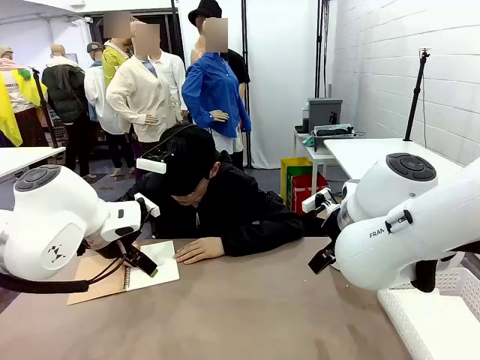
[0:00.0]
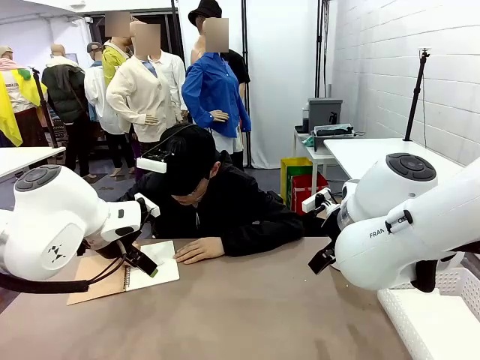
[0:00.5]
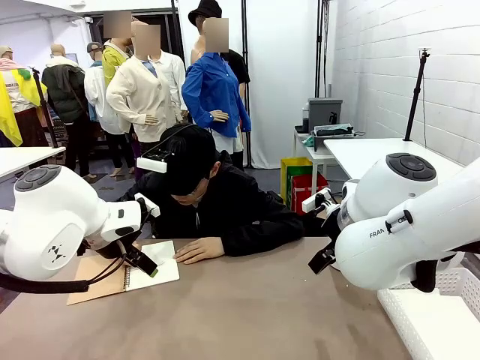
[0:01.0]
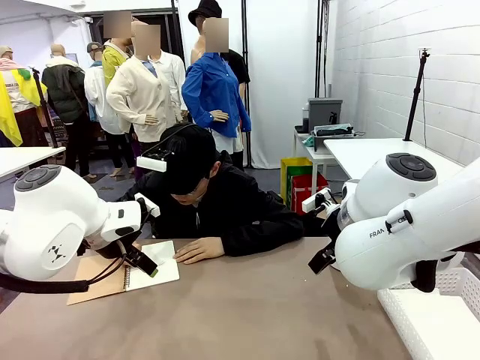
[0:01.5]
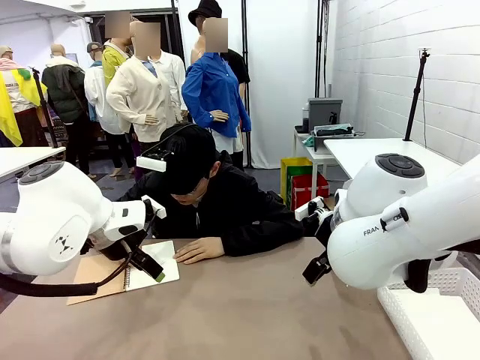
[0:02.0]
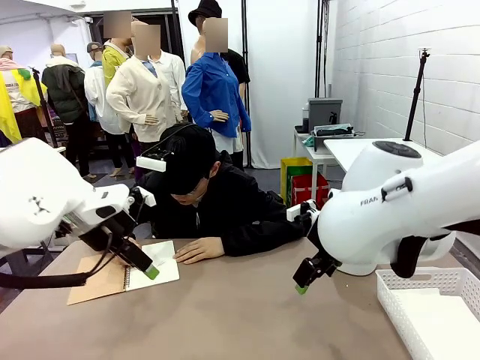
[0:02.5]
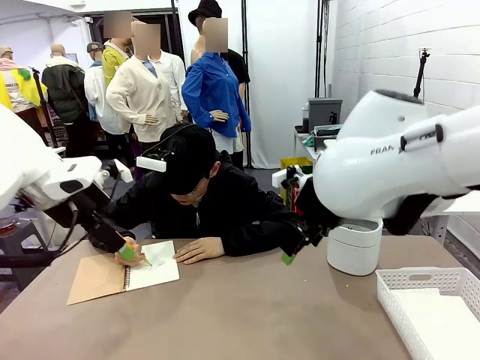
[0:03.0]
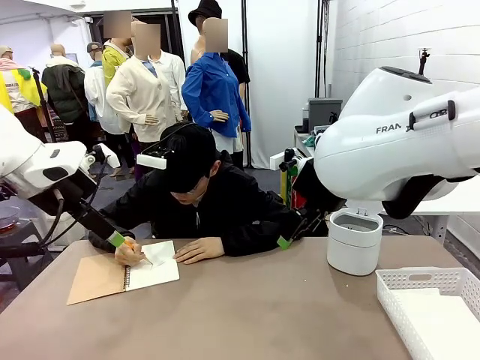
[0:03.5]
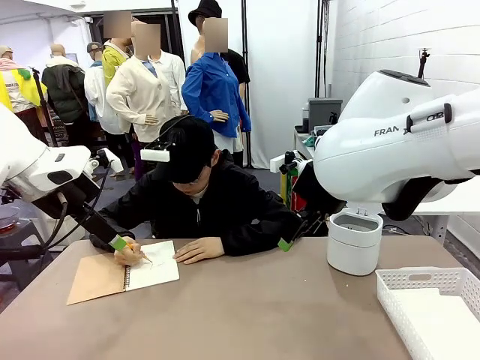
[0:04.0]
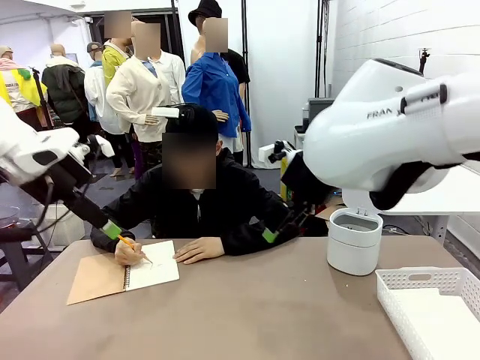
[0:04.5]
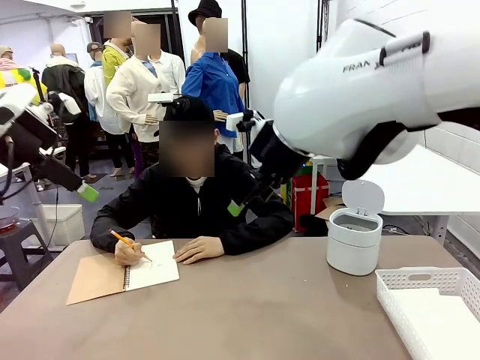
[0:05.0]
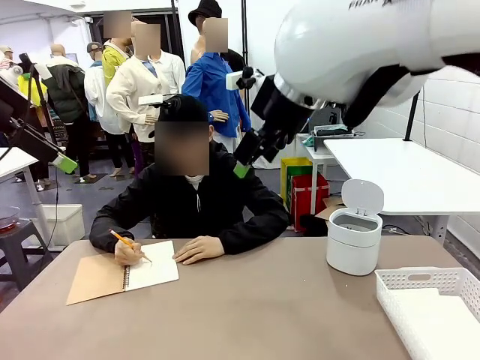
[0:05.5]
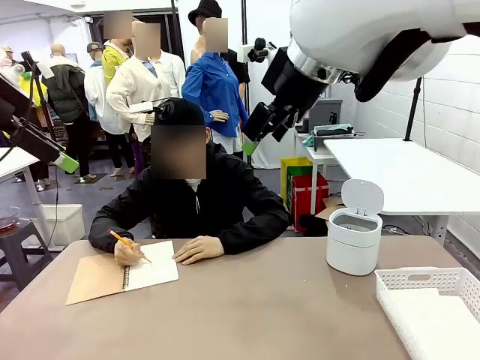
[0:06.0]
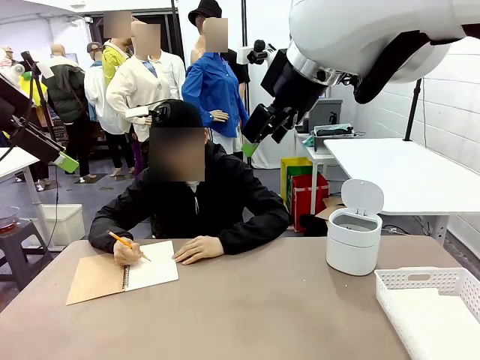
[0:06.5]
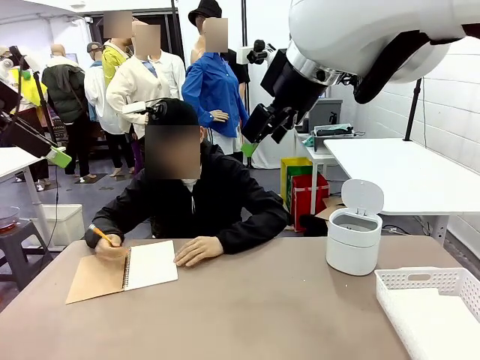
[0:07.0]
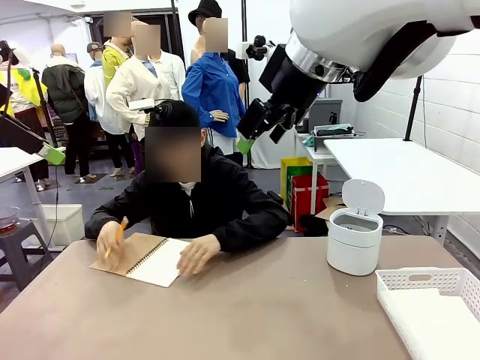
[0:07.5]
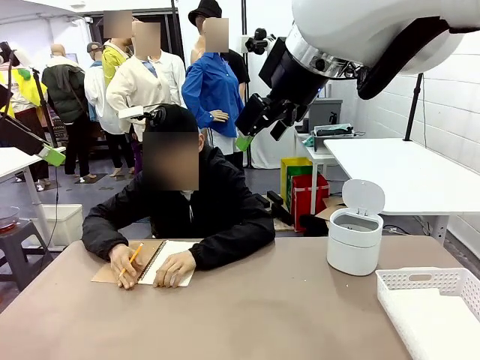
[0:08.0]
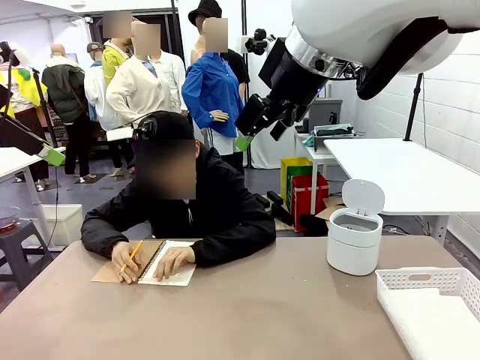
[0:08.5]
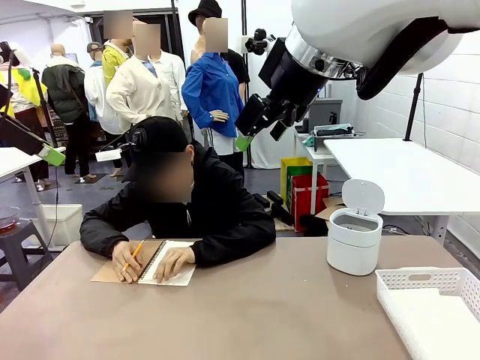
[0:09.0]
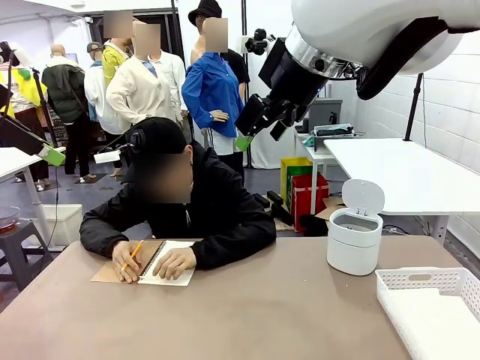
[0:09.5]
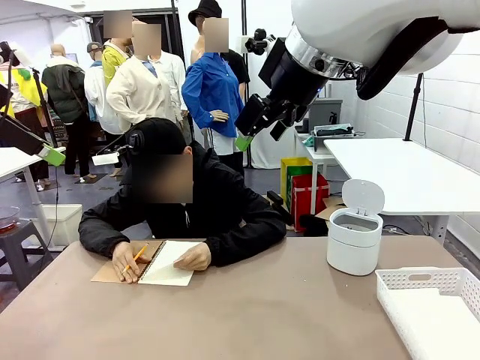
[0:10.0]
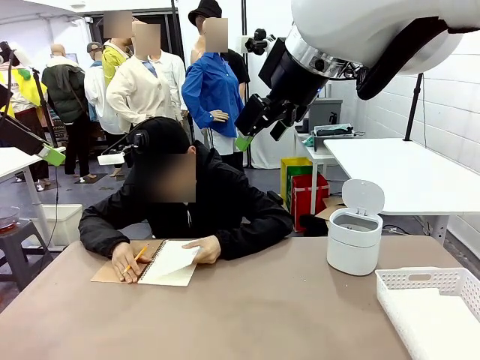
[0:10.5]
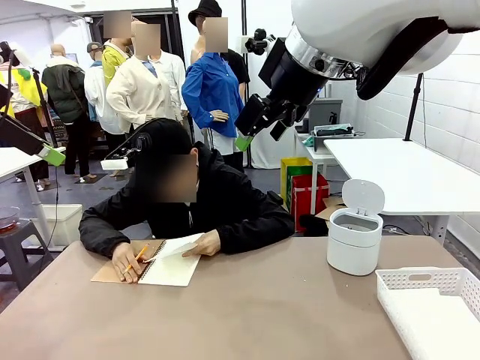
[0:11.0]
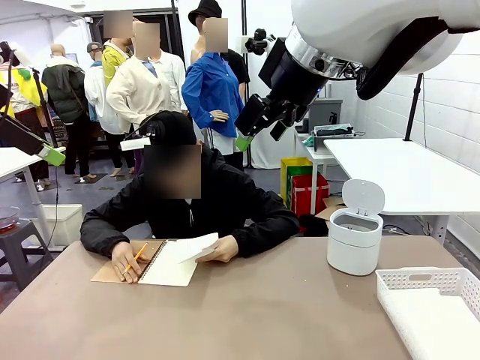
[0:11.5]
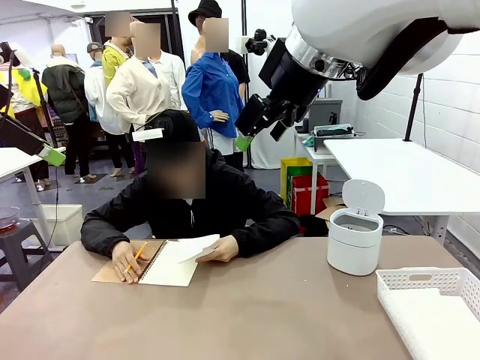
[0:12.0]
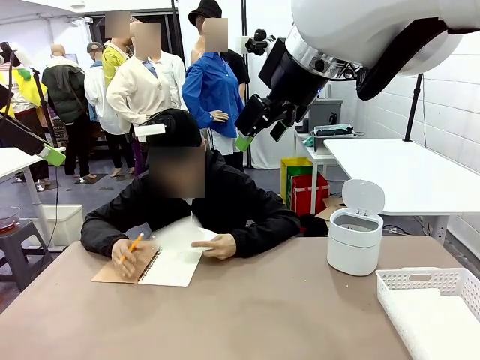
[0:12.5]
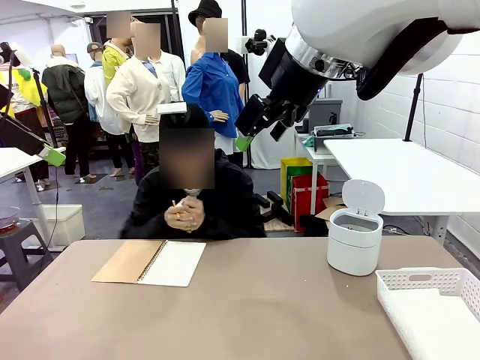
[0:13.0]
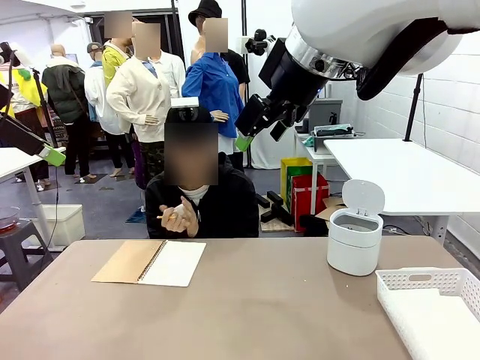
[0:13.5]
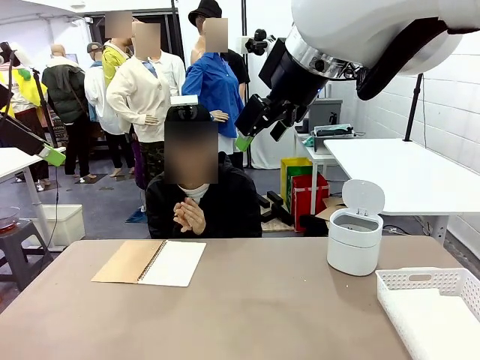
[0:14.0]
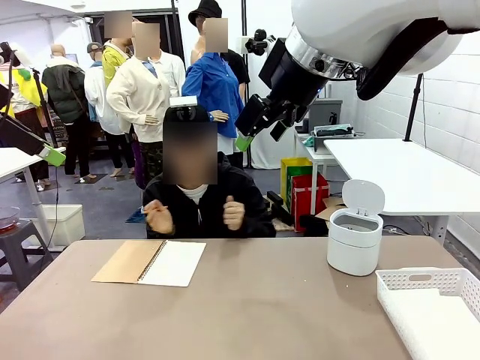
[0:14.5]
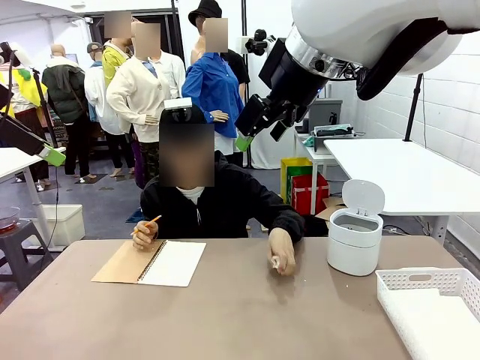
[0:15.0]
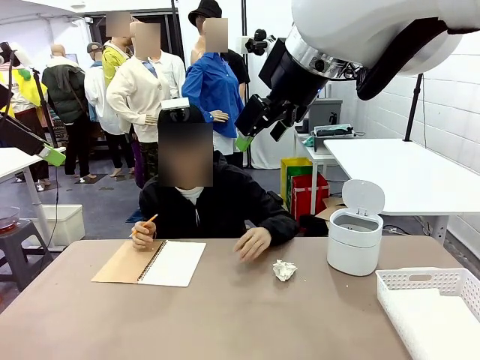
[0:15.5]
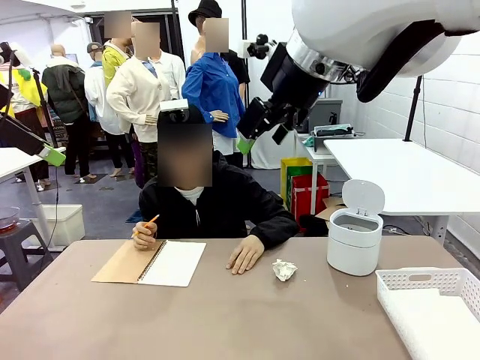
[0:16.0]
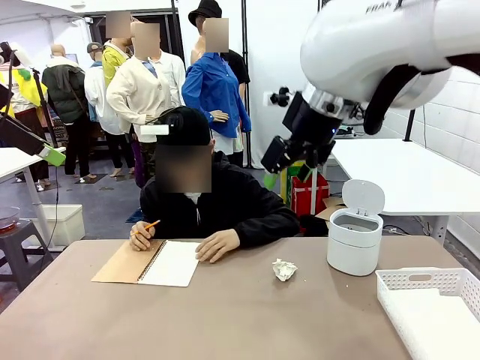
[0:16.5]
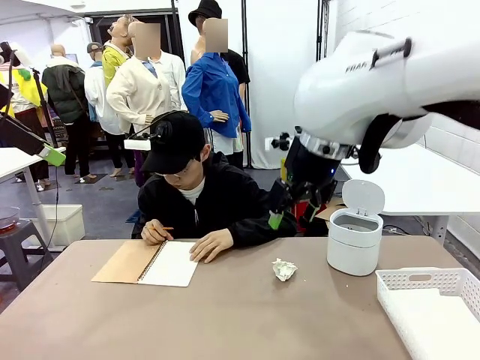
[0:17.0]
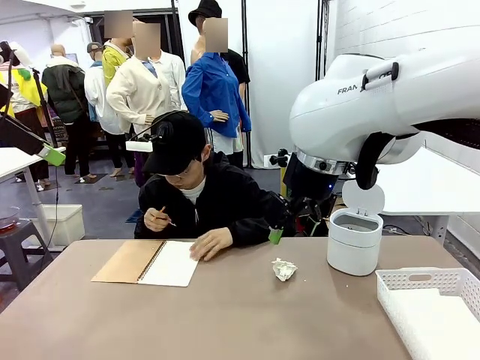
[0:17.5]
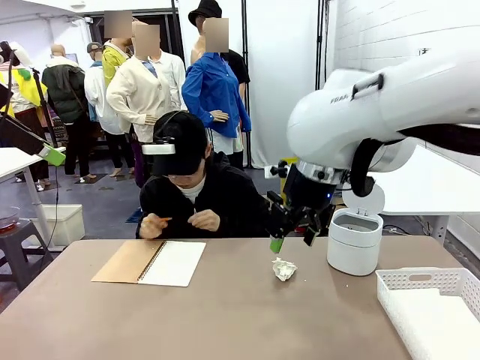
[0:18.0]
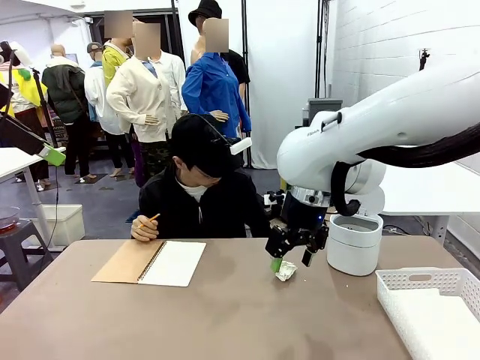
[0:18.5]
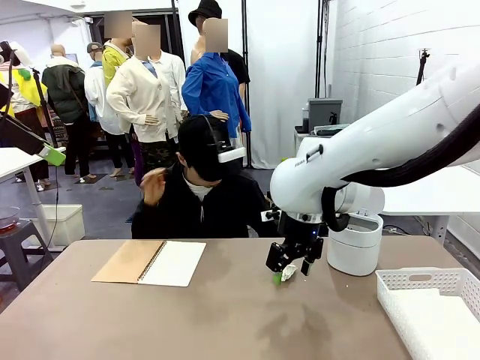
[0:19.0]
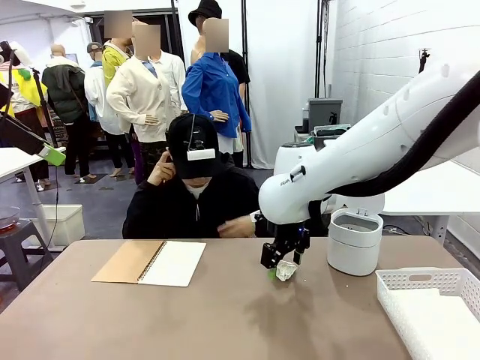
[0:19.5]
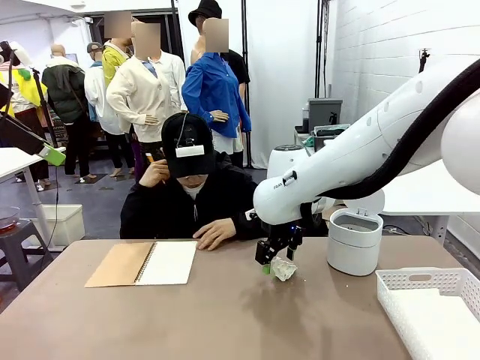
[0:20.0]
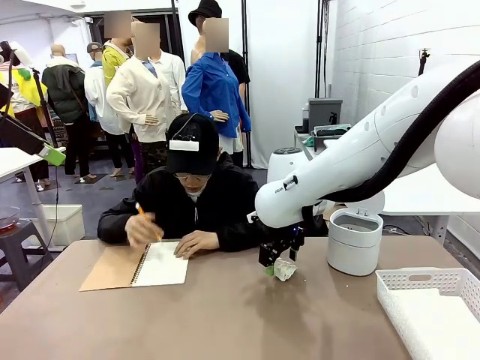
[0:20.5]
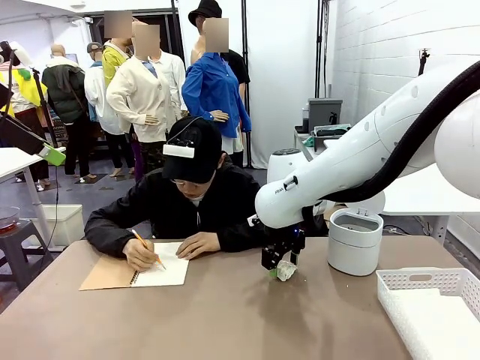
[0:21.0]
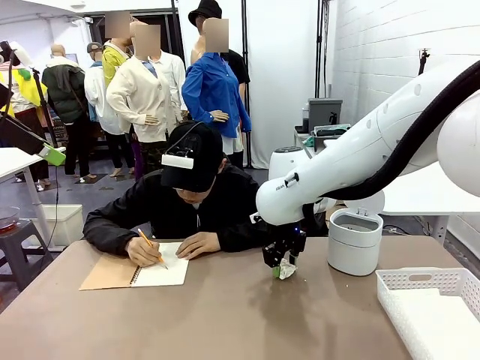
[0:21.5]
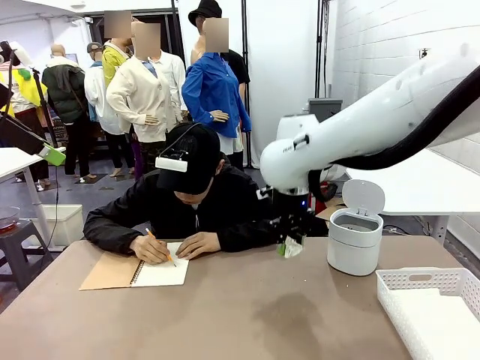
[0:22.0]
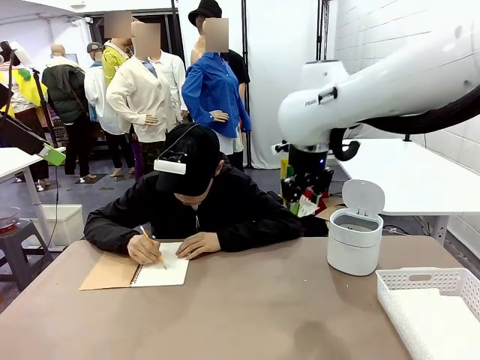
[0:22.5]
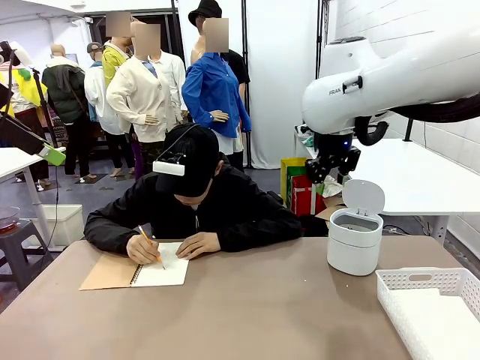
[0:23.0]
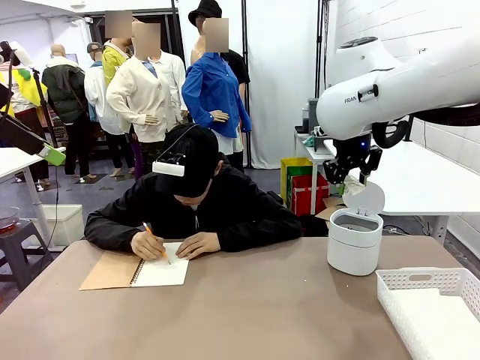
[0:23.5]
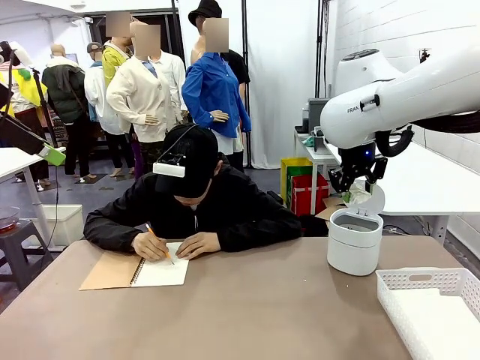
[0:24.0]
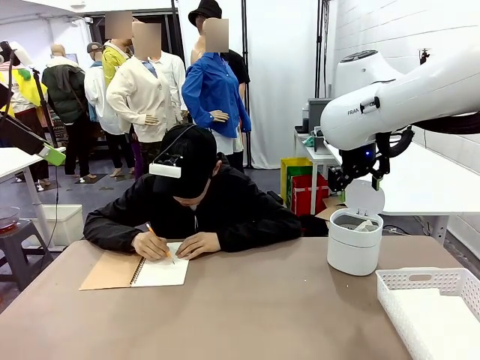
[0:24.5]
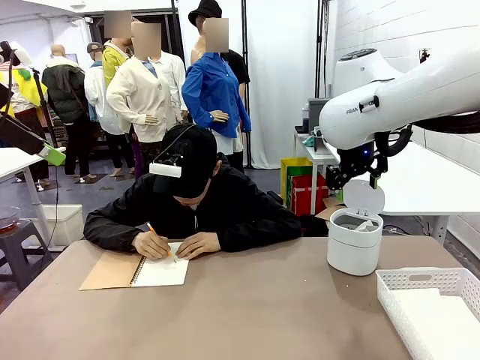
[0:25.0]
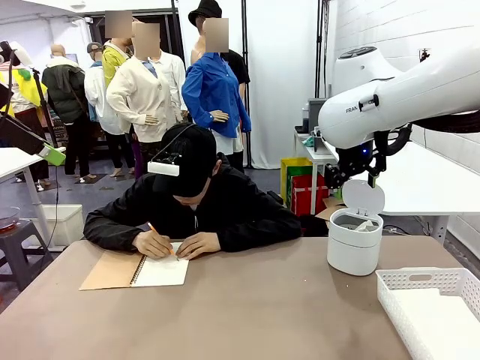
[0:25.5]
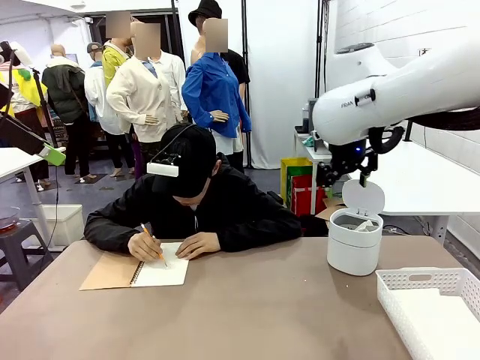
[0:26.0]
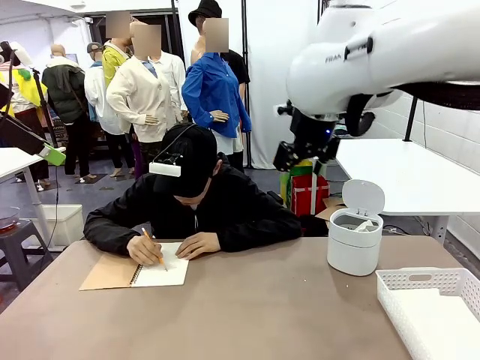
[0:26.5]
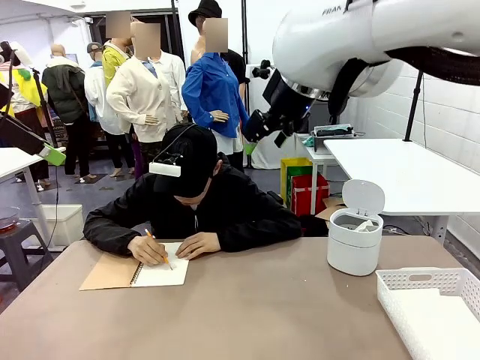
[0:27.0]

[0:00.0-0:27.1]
Task: Sort the paper based on its condition.
Robot: If a person hands you a paper, place it in the Organizing basket , and if it's crumpled, put it in the Trash can.
Person: Tear out a page from the spiral notebook. Hand the torn page to the robot or crumple it and throw it to the center of the table. Tear out a page from the spiral notebook.
